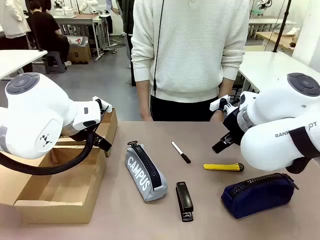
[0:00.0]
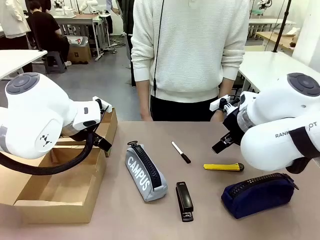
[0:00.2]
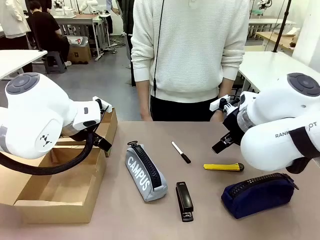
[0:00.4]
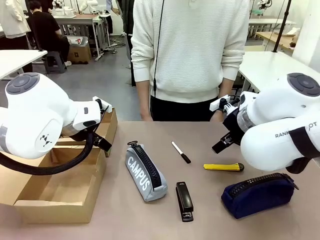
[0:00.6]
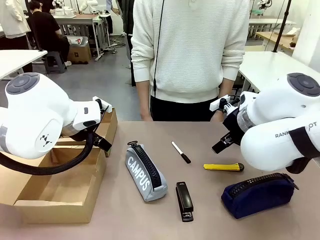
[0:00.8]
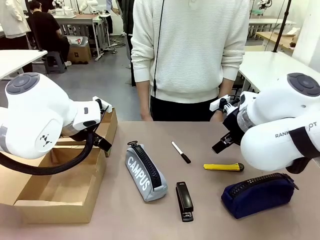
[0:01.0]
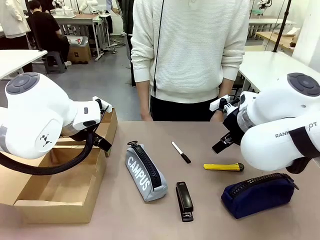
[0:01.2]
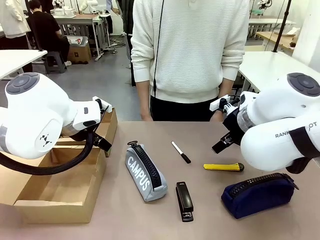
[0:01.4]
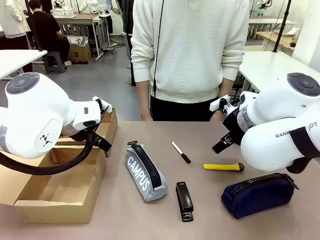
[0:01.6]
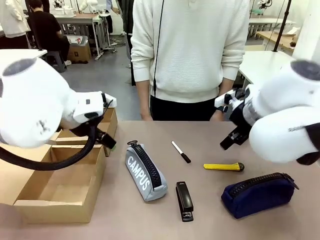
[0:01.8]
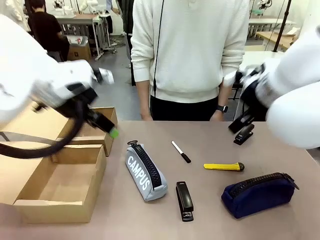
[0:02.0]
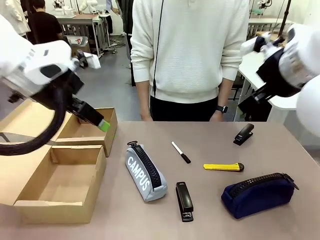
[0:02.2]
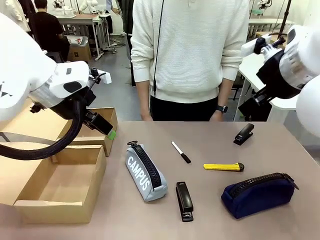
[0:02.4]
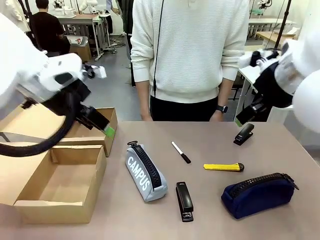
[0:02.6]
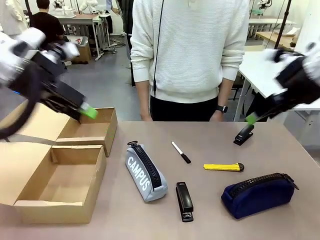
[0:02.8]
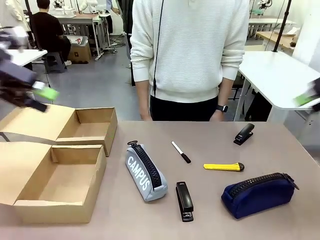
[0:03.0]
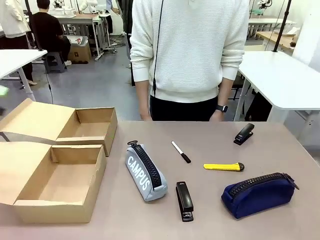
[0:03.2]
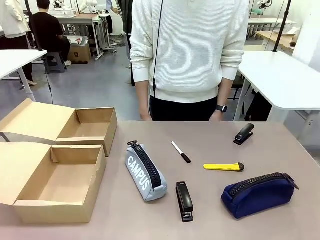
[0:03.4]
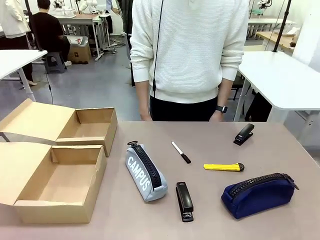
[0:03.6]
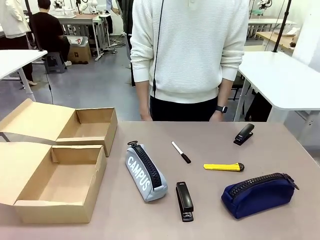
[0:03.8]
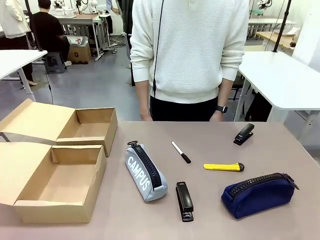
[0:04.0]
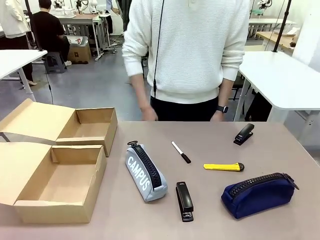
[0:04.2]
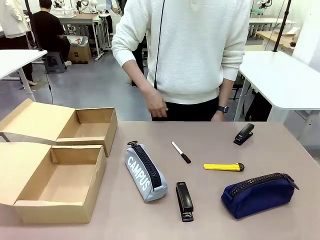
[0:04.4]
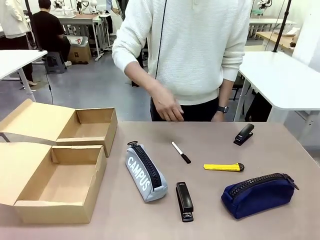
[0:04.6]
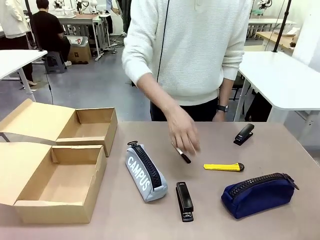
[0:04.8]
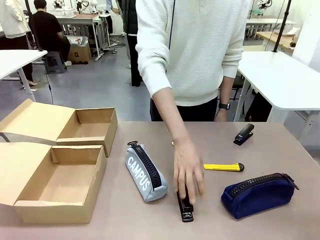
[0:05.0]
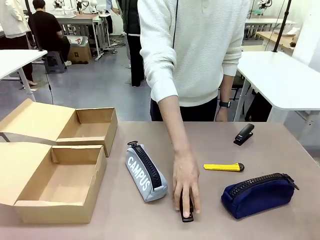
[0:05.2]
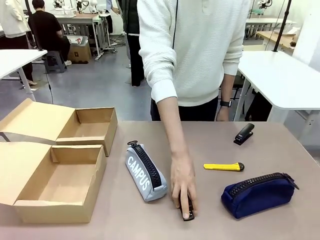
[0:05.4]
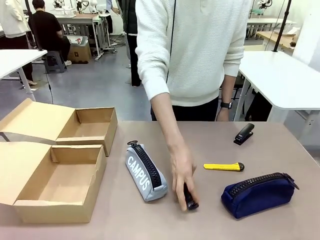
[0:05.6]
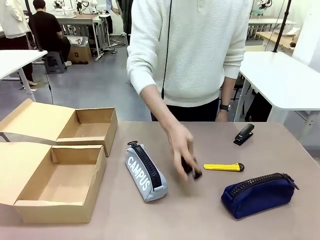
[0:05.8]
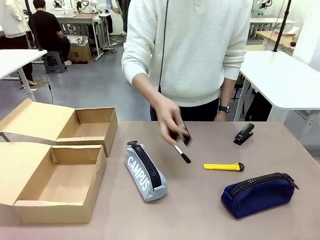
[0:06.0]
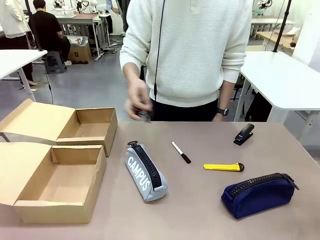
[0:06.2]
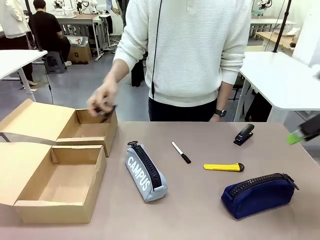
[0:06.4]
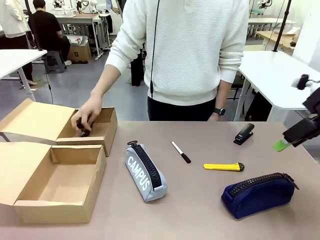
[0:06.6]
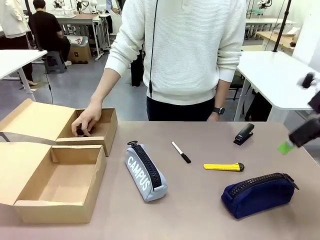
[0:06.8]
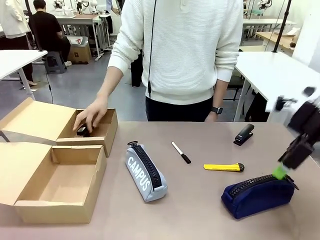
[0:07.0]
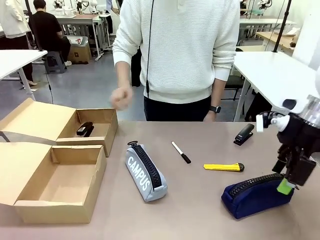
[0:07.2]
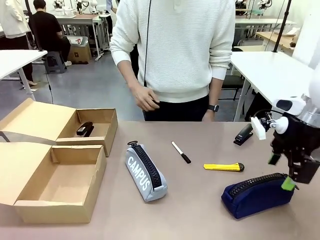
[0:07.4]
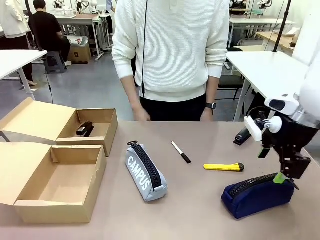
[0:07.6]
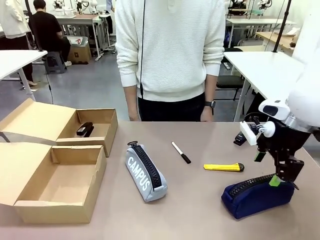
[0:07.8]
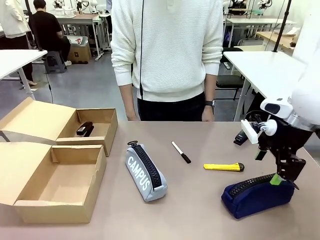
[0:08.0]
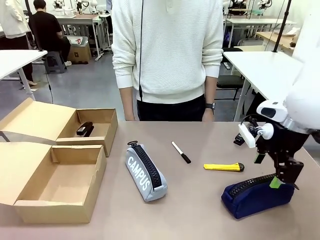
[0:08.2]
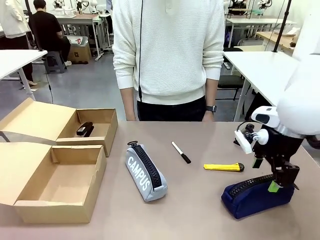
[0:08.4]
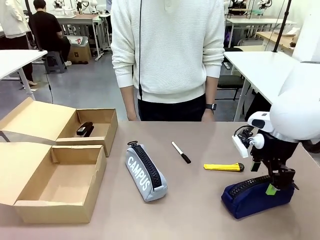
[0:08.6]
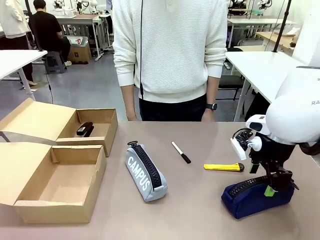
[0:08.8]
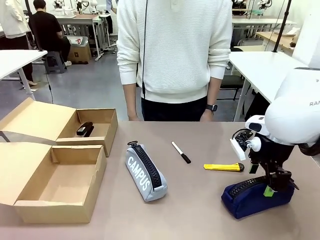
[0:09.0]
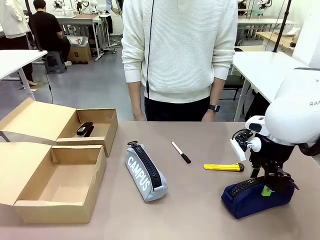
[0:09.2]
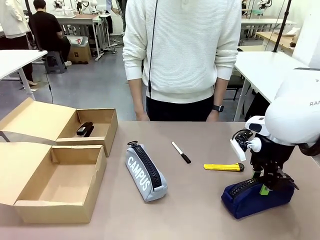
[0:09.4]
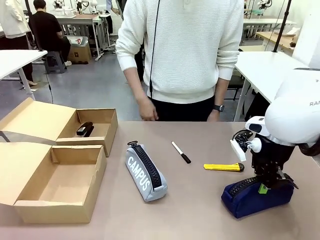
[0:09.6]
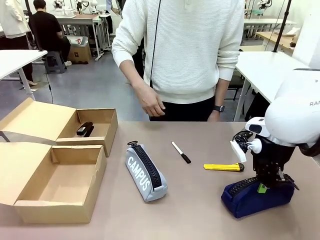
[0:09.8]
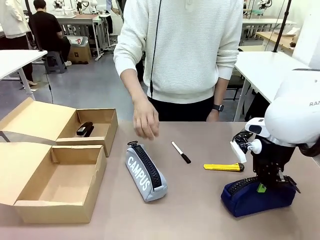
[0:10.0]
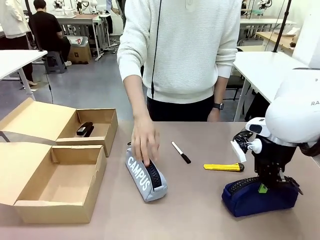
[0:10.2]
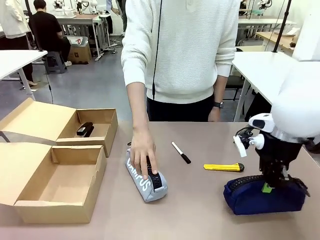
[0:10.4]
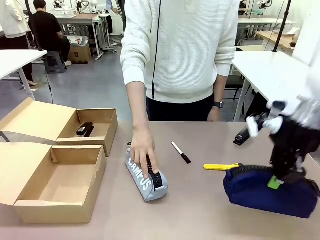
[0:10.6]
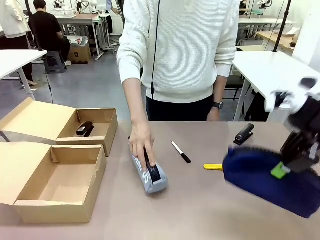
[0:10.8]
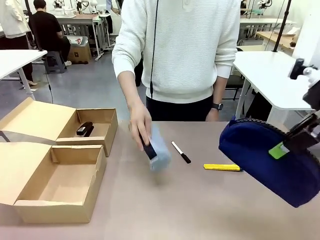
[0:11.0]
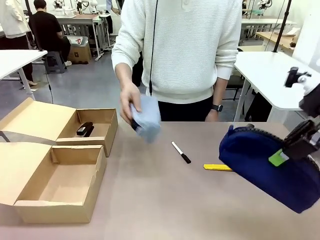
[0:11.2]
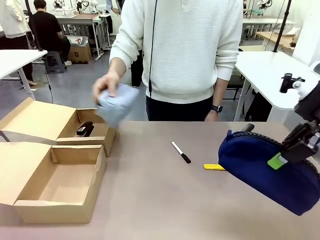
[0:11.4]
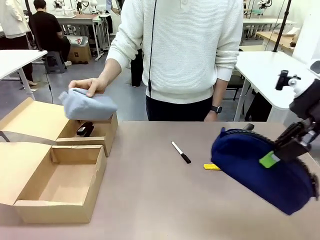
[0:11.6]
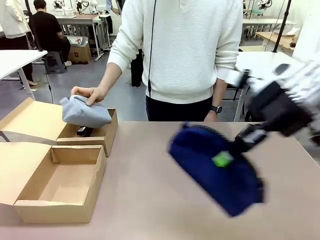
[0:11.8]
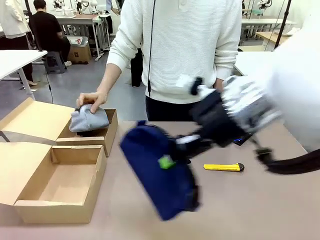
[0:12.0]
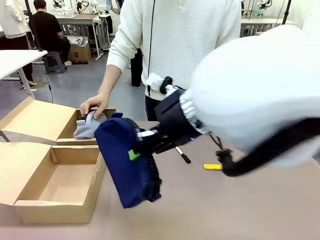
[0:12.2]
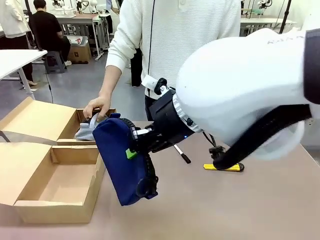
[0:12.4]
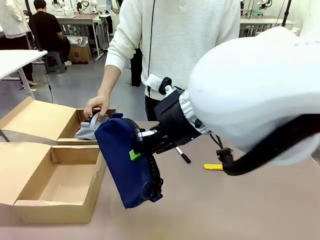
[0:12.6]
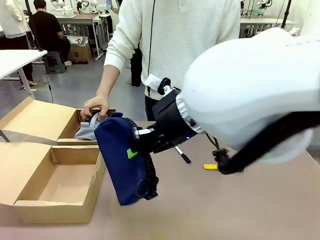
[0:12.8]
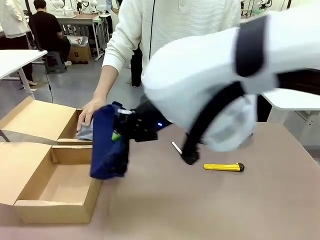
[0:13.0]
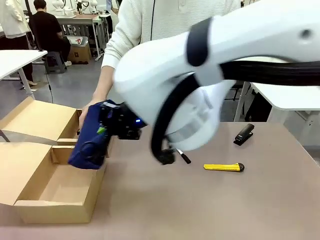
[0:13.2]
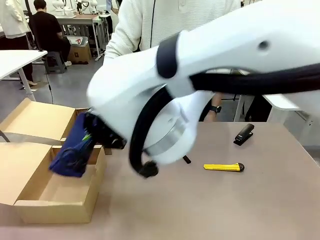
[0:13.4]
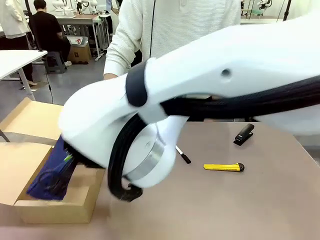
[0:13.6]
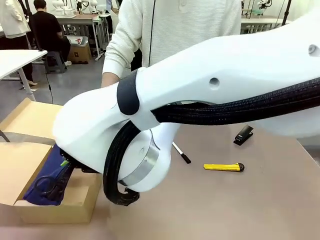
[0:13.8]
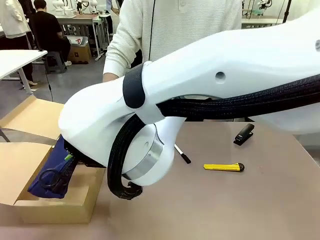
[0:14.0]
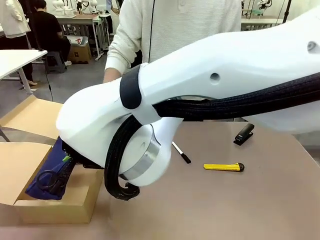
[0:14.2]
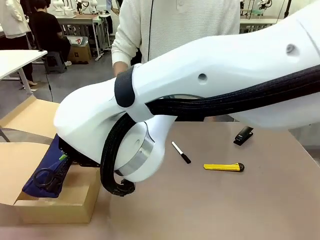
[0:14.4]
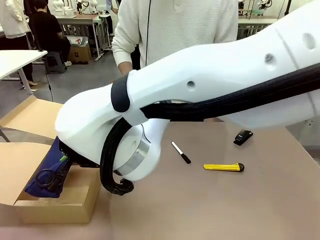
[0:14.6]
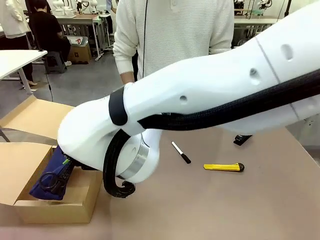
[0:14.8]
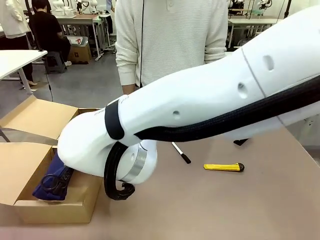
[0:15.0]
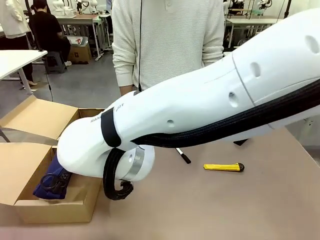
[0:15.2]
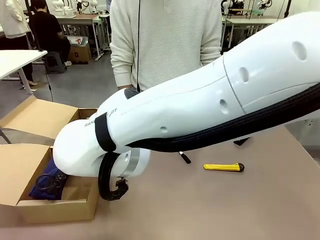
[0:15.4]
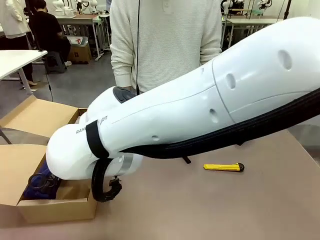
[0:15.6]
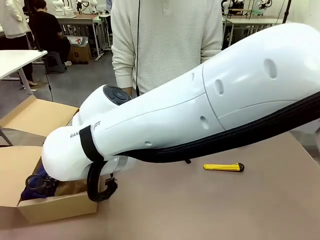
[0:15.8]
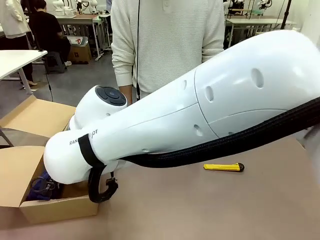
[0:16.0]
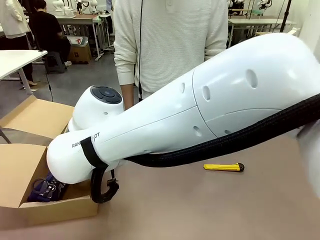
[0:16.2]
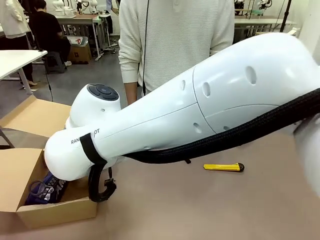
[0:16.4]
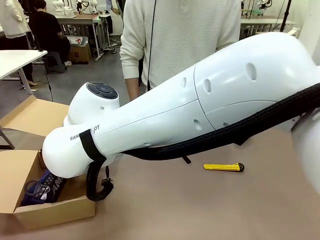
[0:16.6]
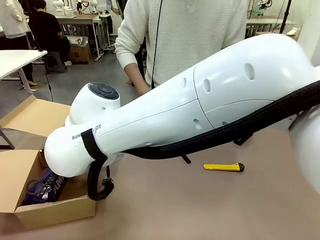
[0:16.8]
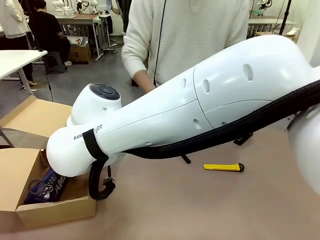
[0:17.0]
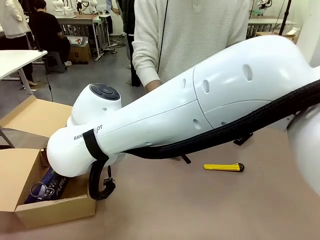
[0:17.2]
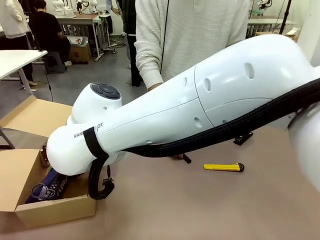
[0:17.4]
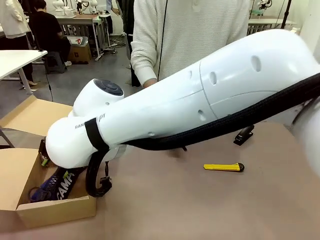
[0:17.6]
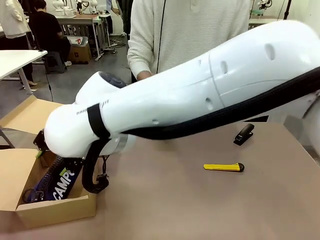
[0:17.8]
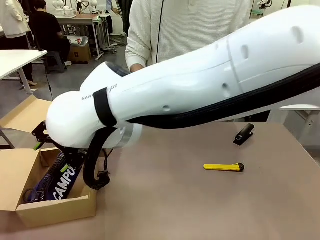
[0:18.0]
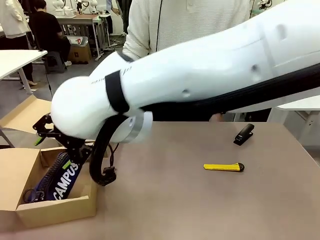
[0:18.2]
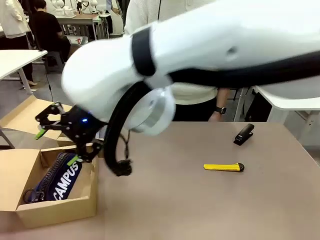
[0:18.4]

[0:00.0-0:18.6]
Task: Place items inside the box.
Robot: Pick up a Pencil pouch or Stapler and place it inside the Mailer Box closest to the robot.
Person: Pick up an object on the table and put it in the box.
